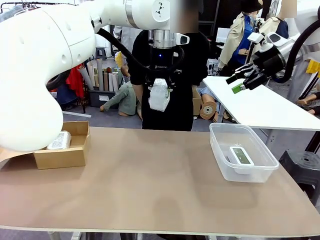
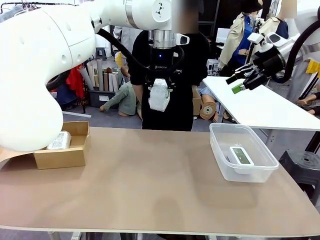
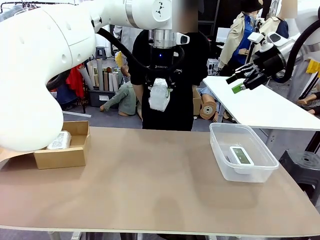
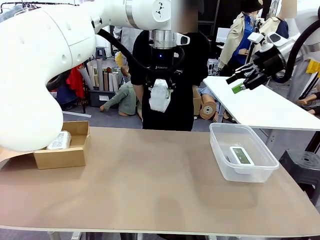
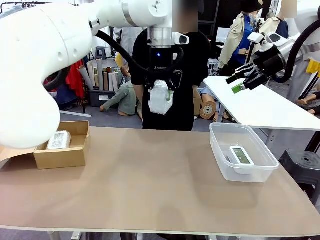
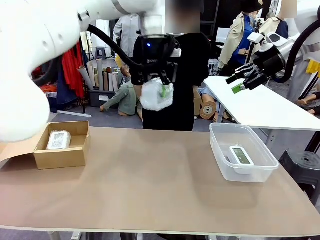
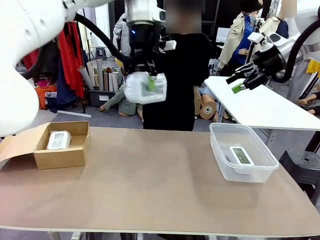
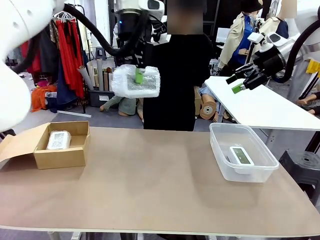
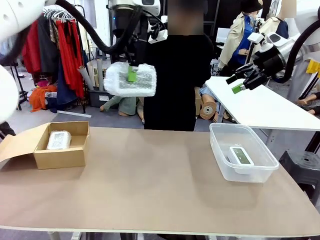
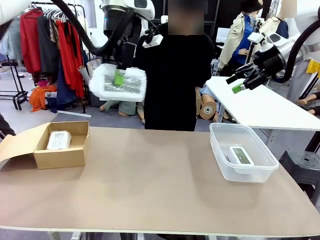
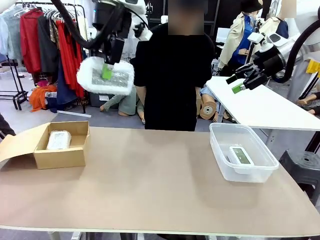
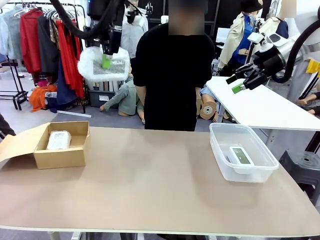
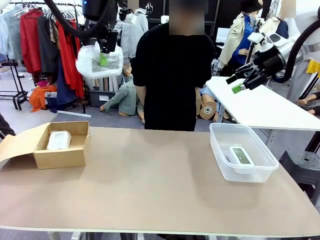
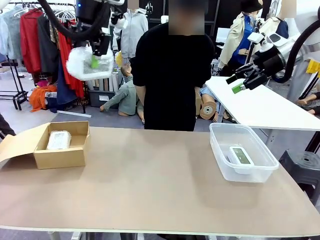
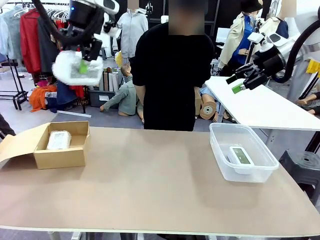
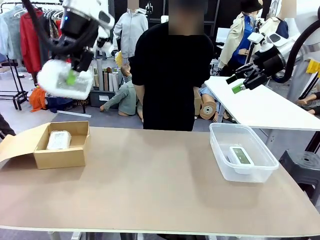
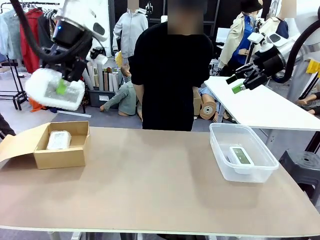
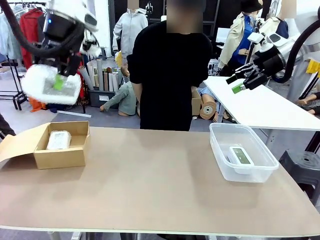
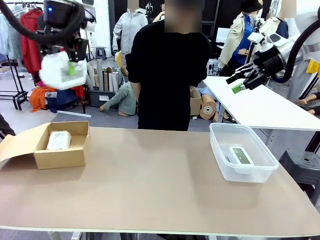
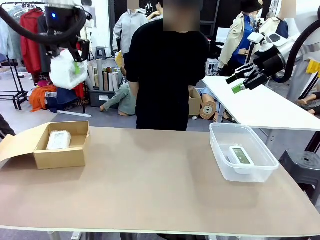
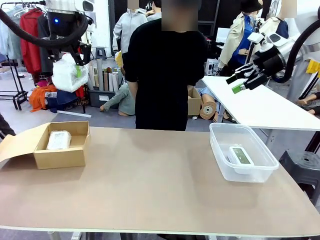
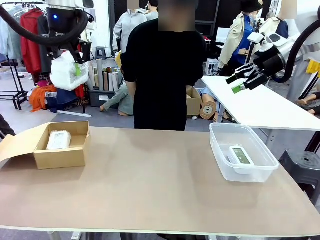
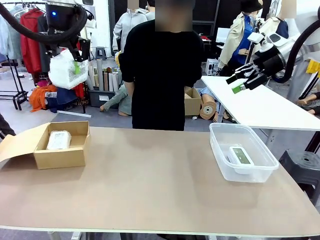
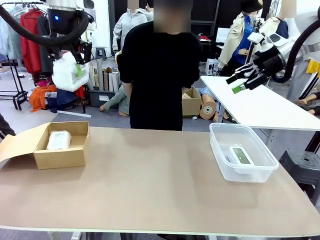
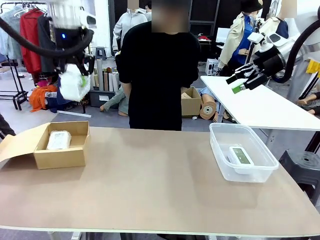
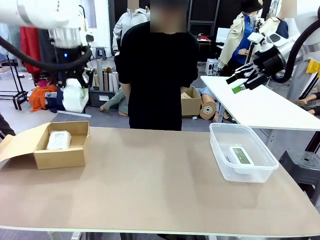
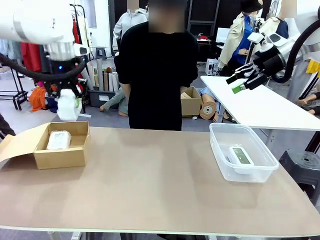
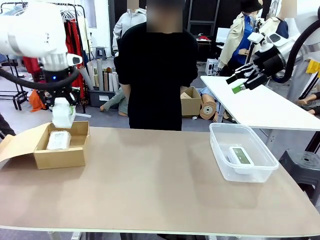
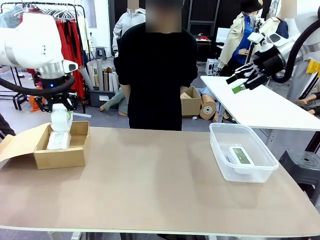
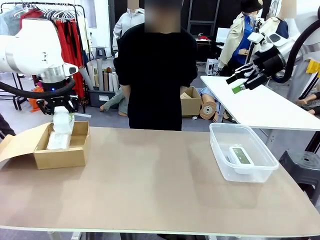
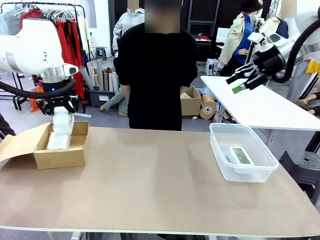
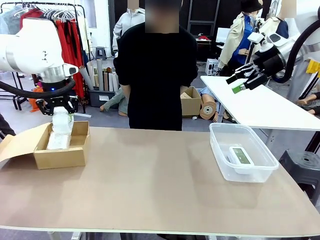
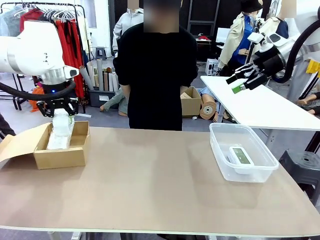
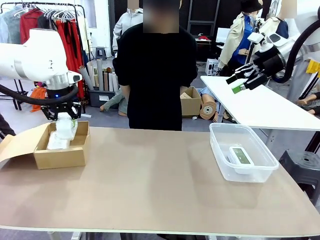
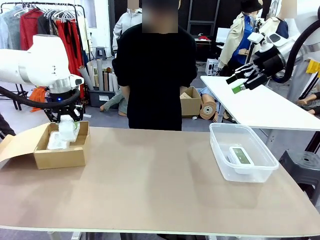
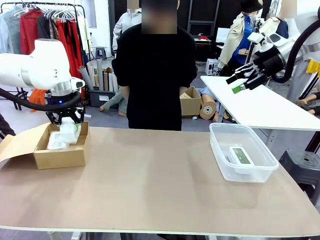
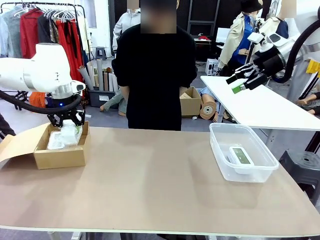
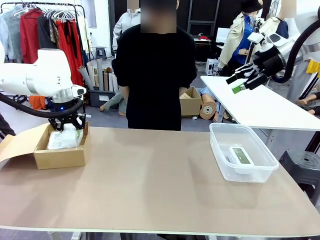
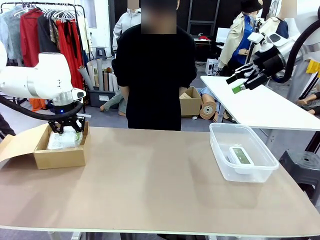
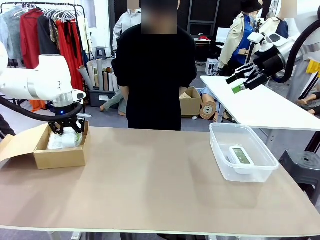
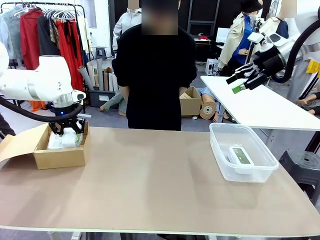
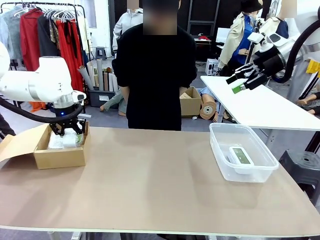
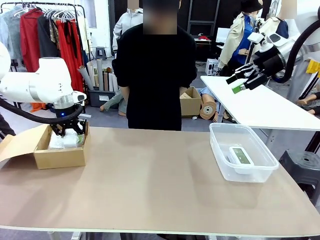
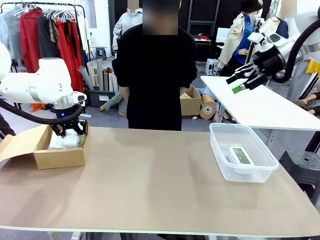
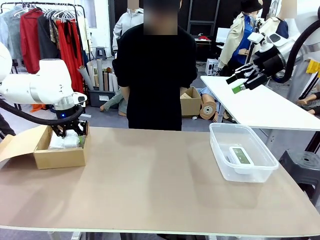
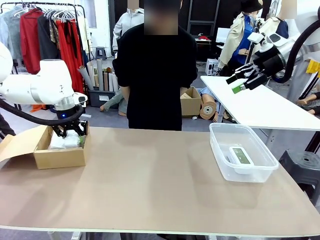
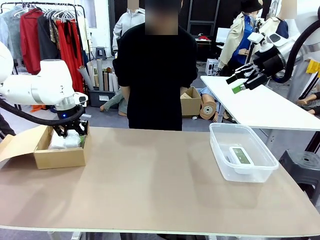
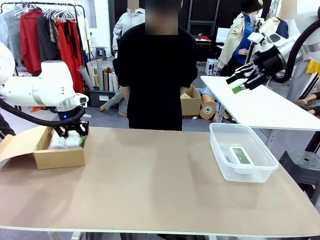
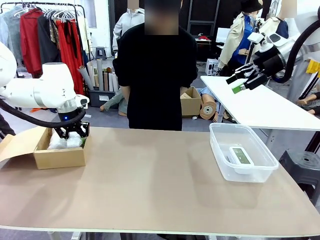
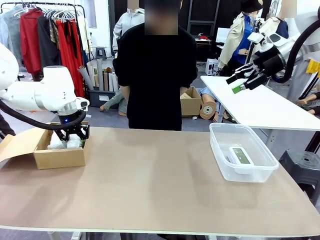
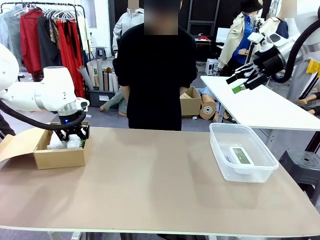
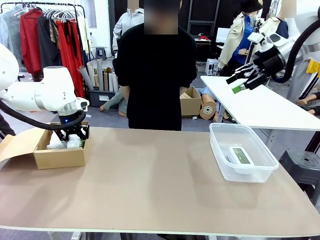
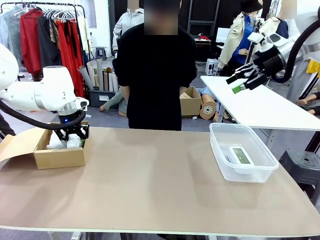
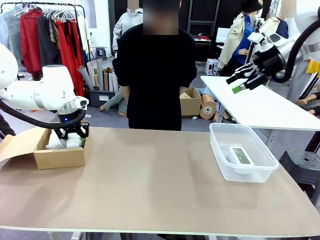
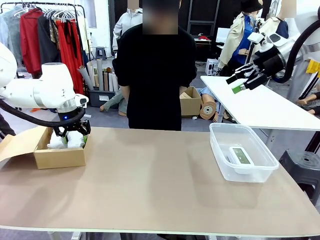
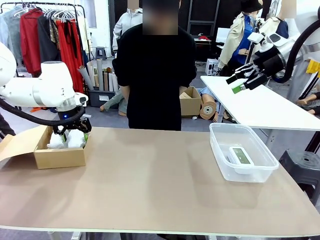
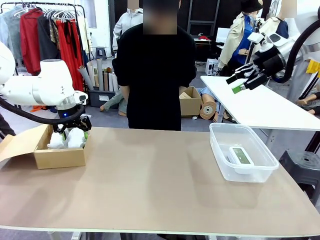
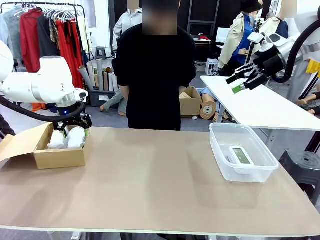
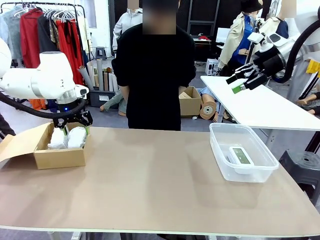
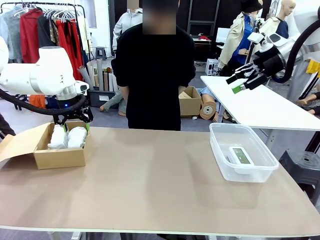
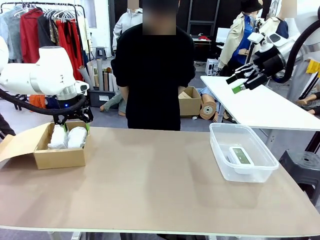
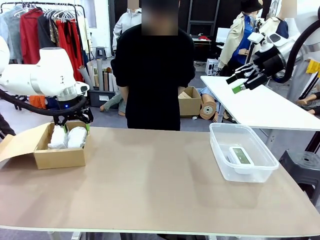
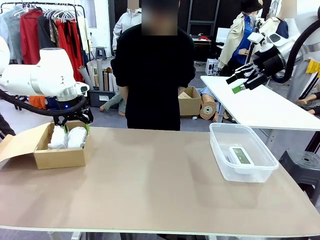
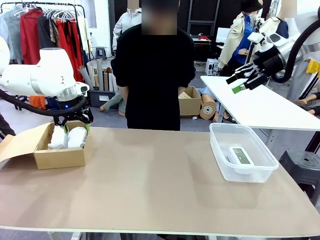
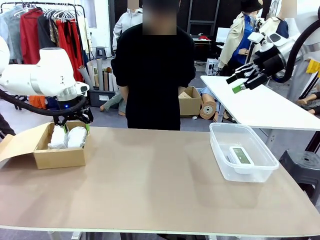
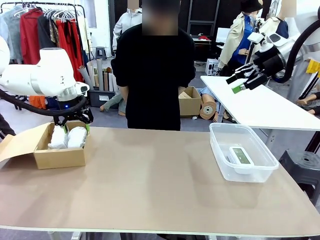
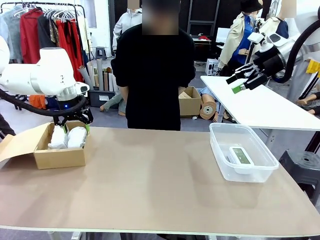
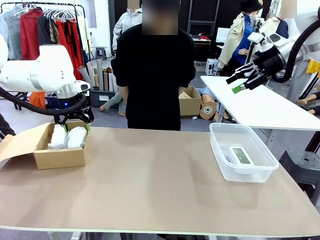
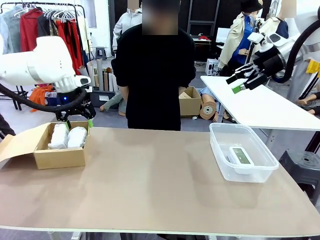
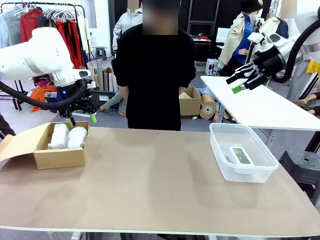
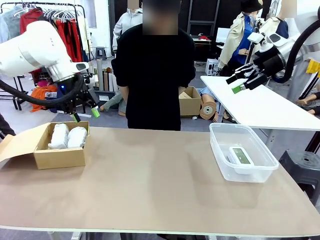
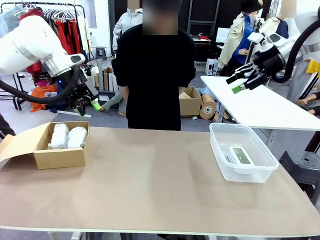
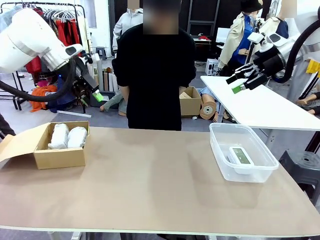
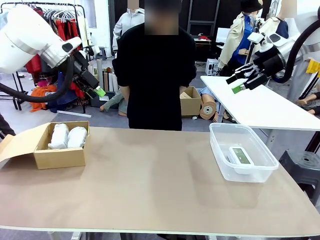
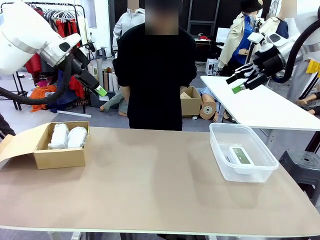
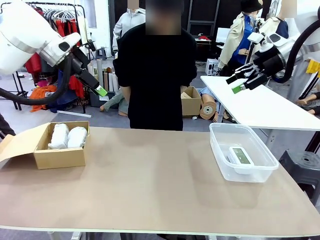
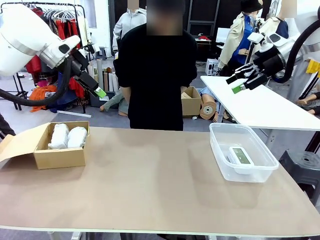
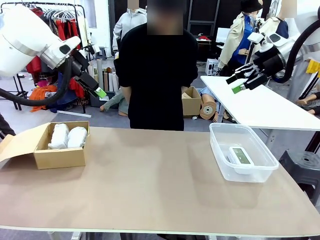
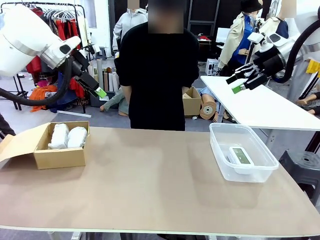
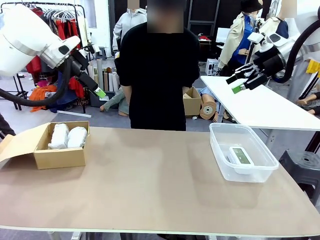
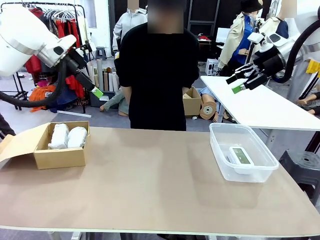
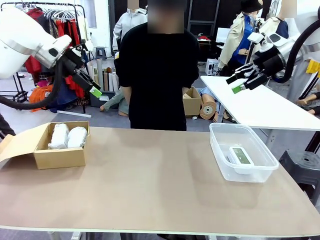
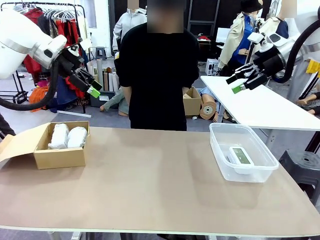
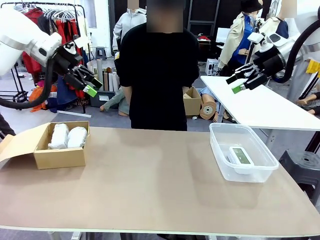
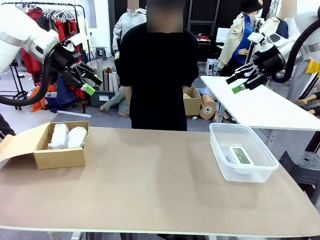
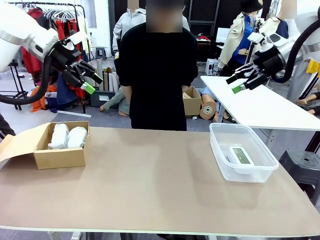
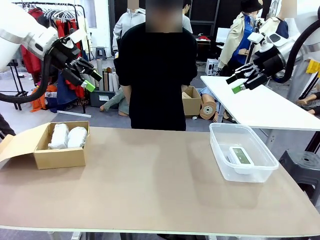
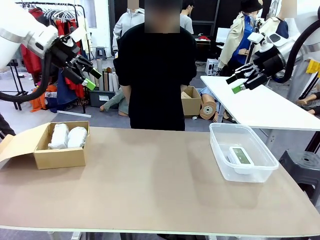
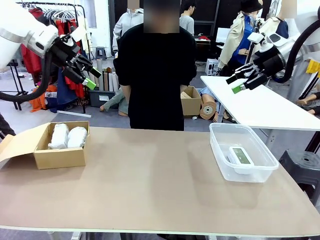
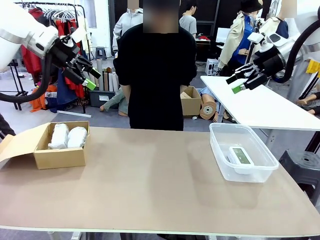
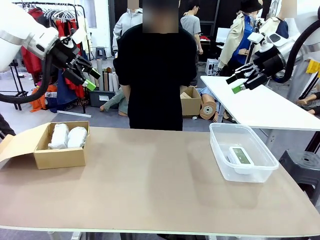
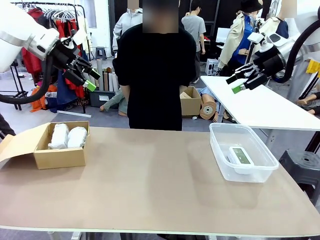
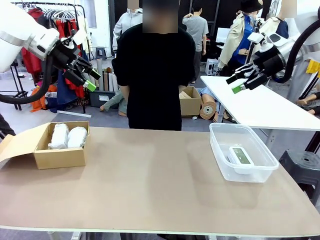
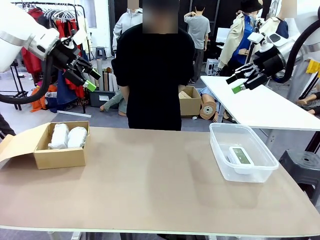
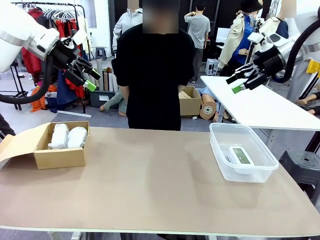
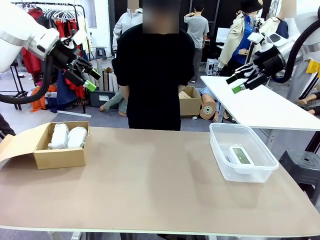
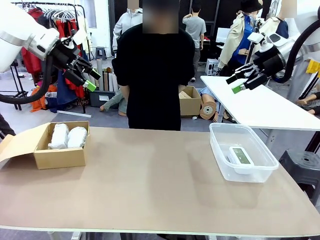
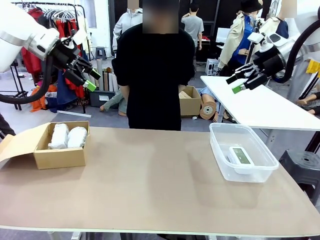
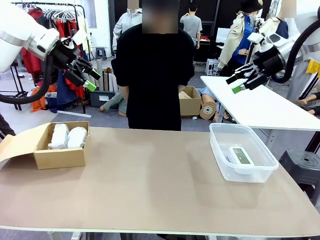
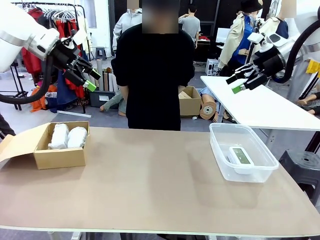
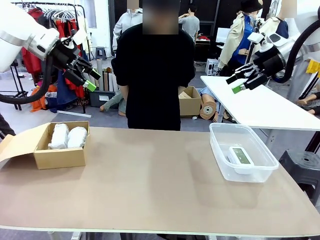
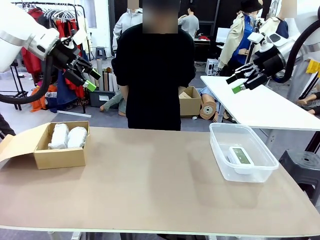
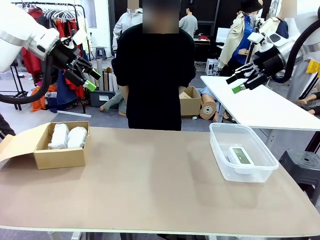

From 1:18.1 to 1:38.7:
Task: Separate and place wrapped and unwrapped clocks.
Robot: If the picked Digital clock is wrapped, place it in the Package Box ; if not, place it in the Organizing box.
